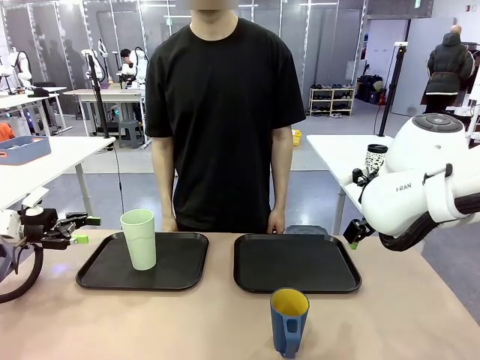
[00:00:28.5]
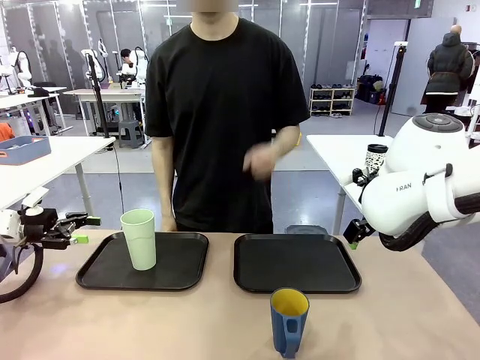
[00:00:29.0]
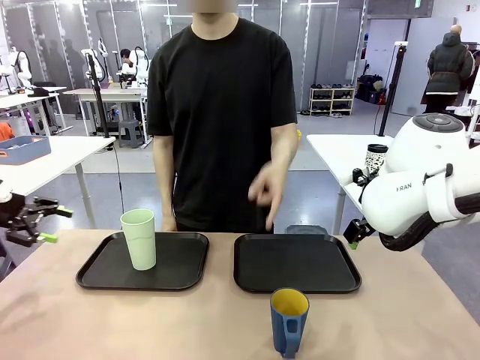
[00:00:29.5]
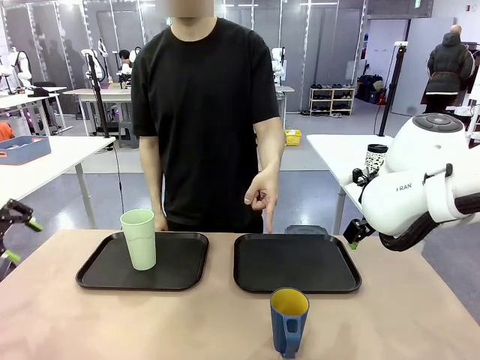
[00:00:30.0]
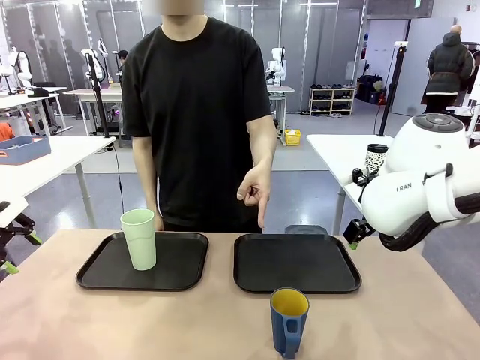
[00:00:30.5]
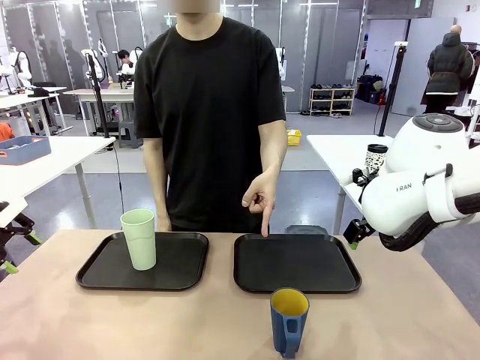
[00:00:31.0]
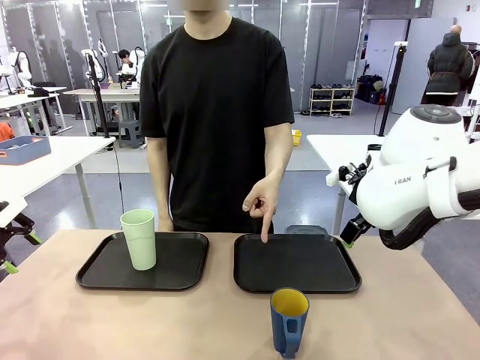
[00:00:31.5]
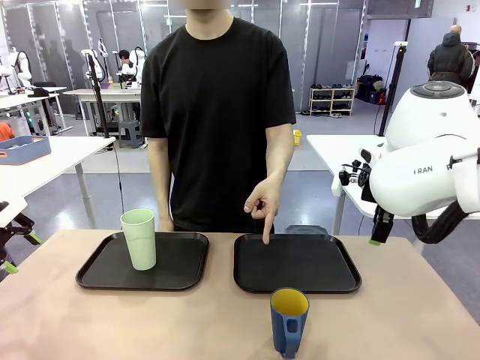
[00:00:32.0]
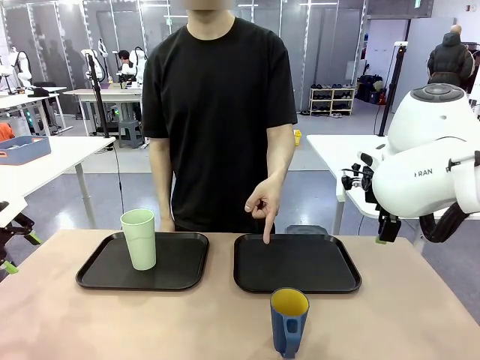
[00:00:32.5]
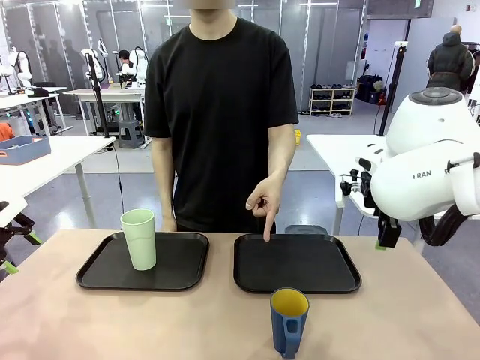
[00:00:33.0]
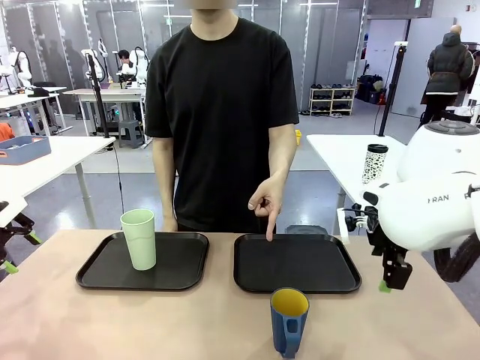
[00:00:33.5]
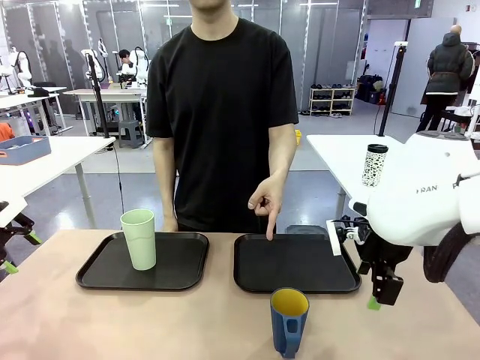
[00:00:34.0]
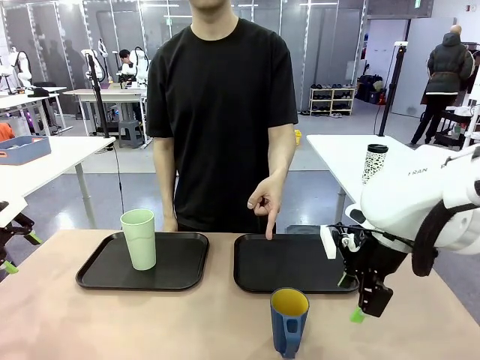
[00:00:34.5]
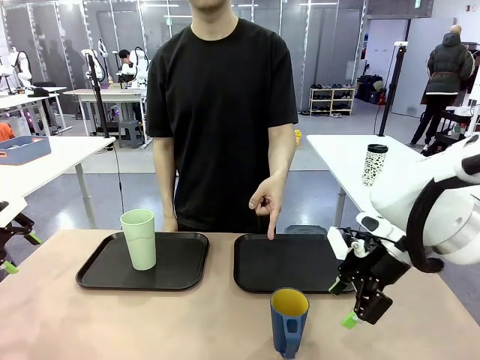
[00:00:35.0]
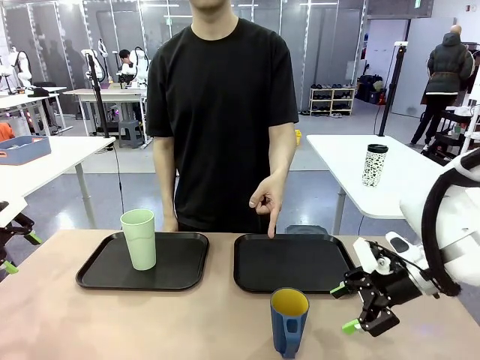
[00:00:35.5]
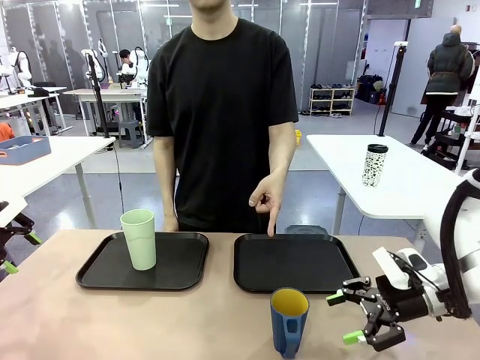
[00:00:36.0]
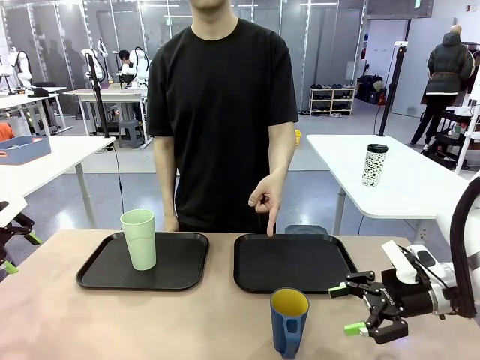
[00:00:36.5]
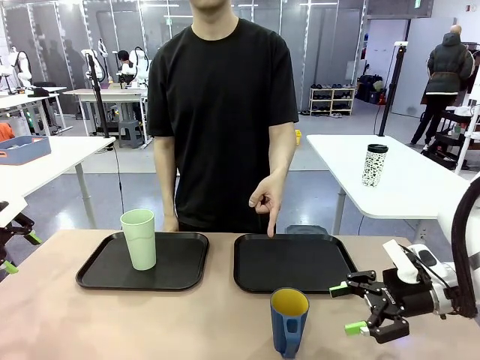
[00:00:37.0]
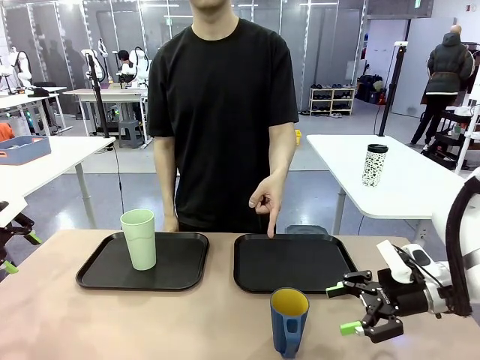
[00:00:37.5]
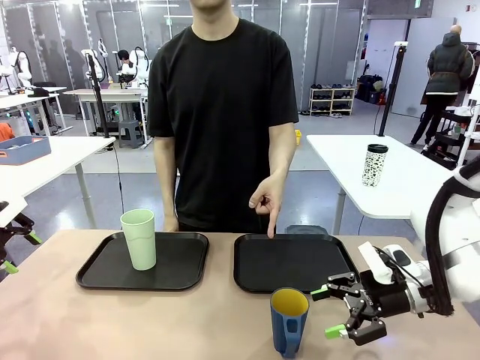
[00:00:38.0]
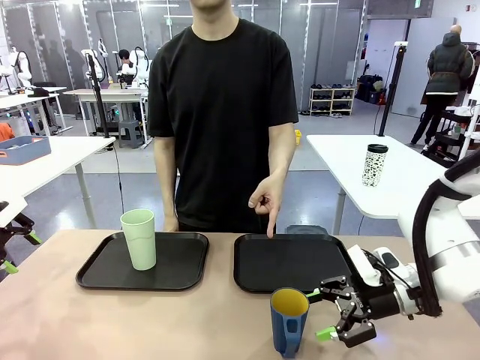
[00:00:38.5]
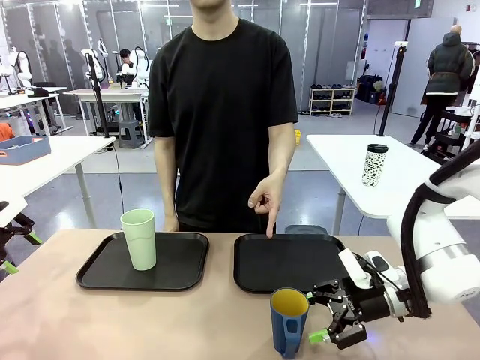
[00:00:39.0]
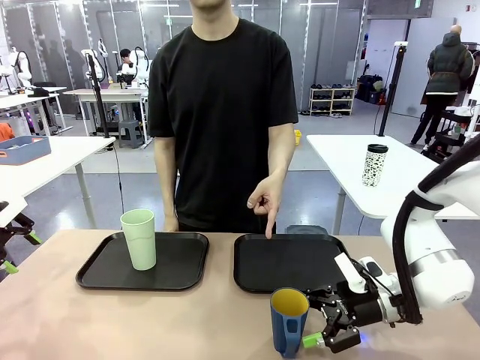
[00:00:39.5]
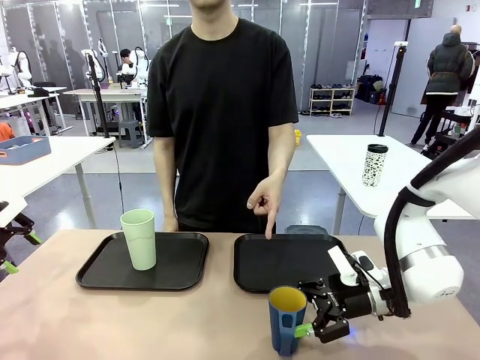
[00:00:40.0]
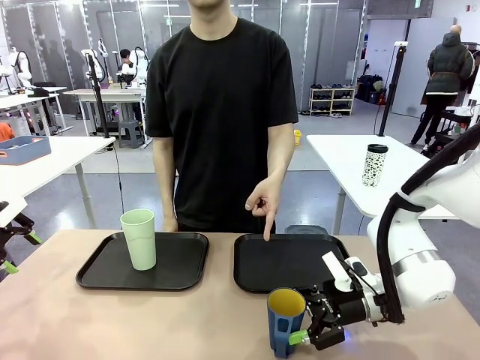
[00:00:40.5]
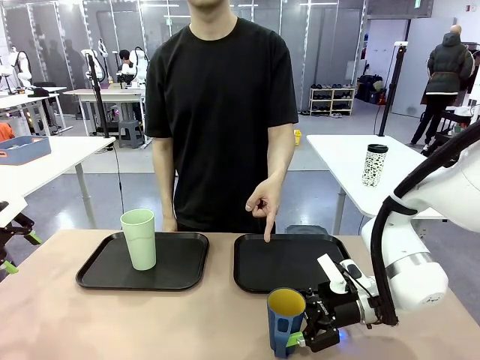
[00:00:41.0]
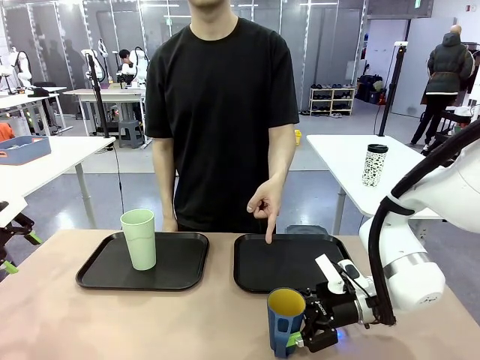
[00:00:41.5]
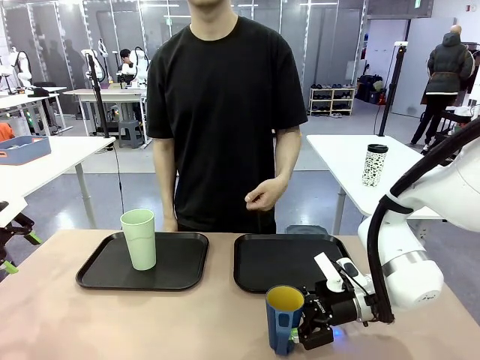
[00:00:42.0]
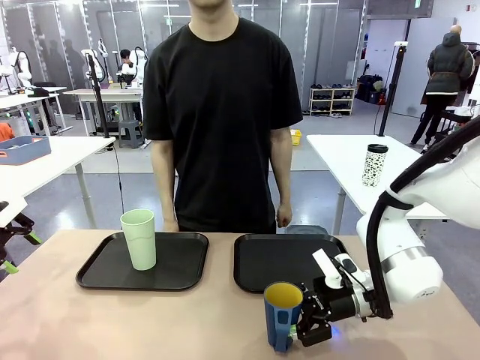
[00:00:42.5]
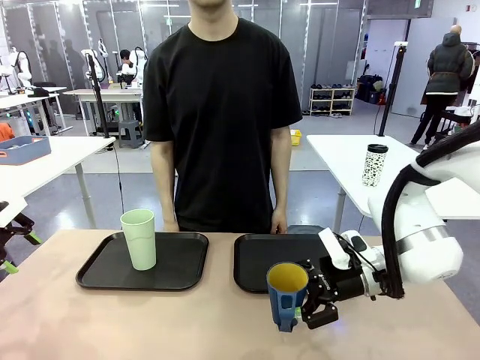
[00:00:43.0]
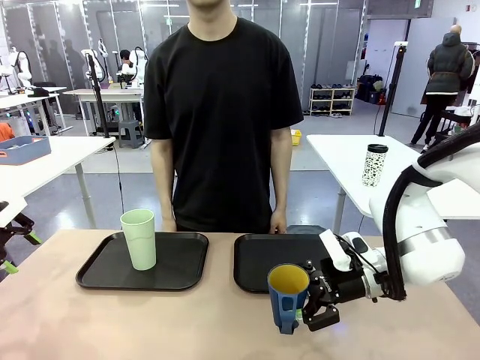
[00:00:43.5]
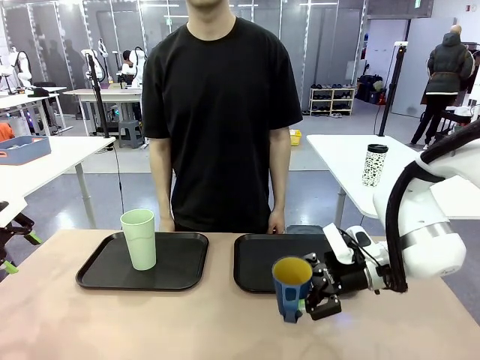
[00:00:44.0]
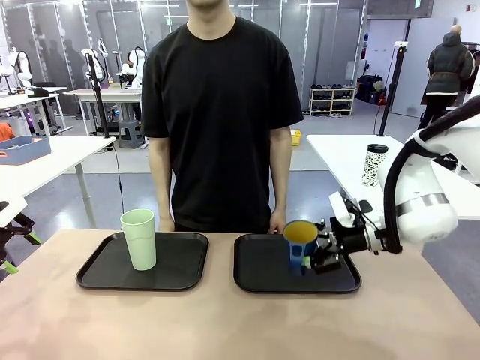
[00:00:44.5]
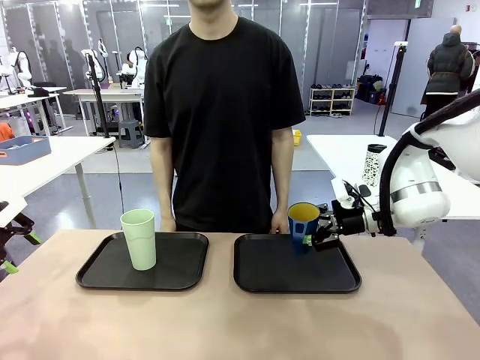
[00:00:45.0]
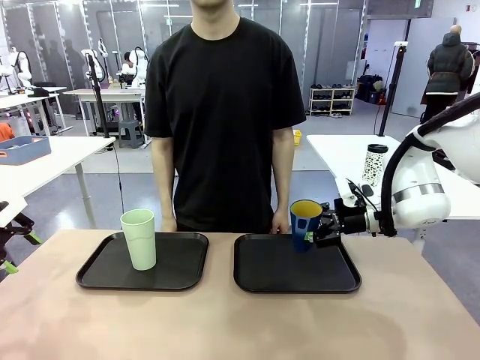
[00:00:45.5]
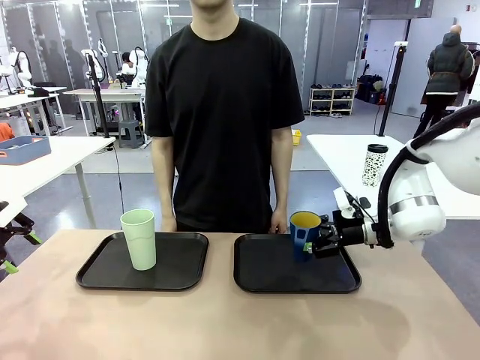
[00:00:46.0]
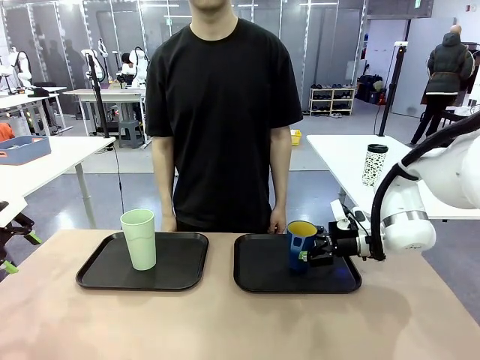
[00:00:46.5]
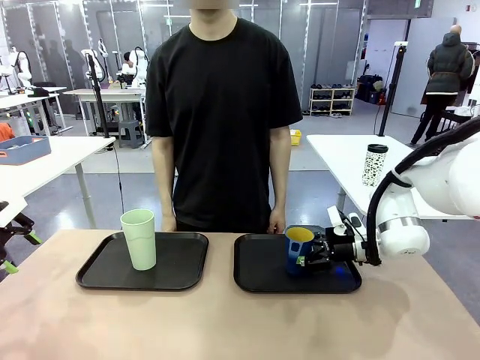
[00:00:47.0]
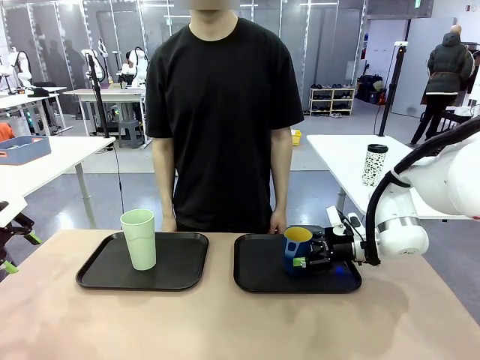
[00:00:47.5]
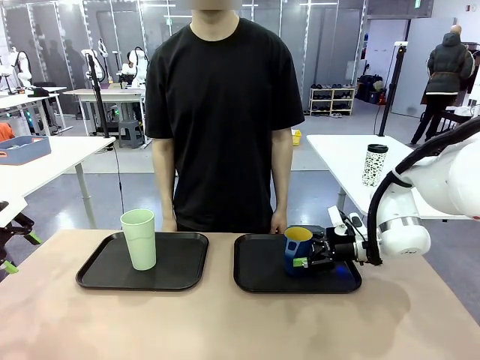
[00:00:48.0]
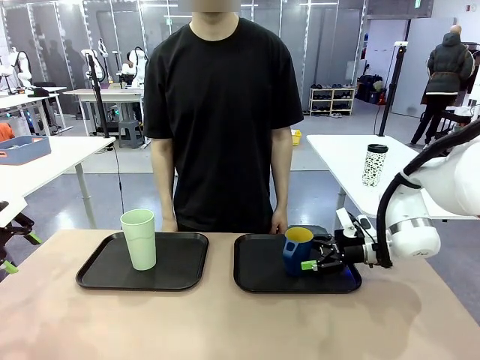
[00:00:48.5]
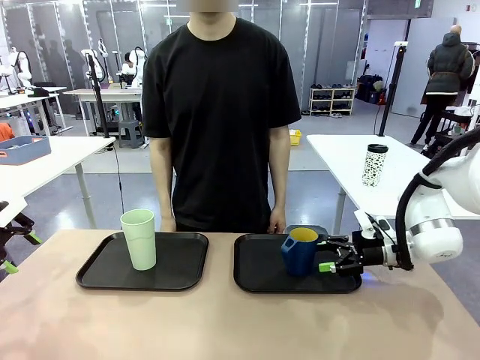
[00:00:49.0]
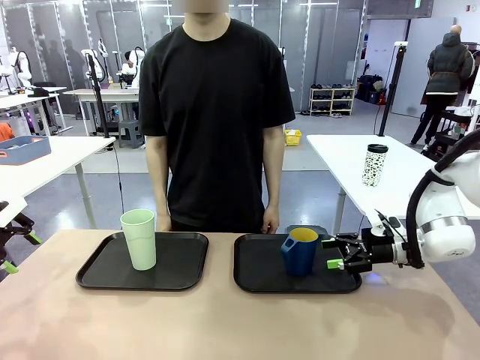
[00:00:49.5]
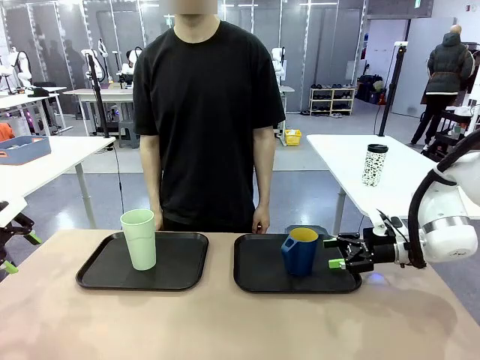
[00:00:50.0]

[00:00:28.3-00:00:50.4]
Task: Sort and store the cups by type.
Robot: Pick up the Handle plastic cup and place it into the empty Flat Tray.
Person: Points to the cup with a handle.

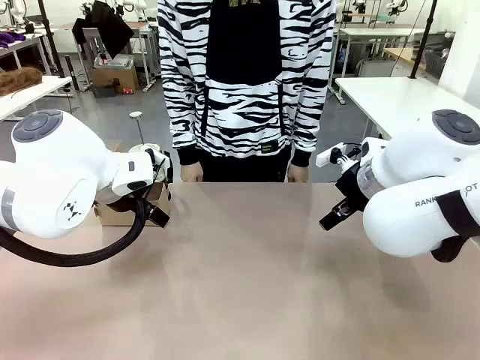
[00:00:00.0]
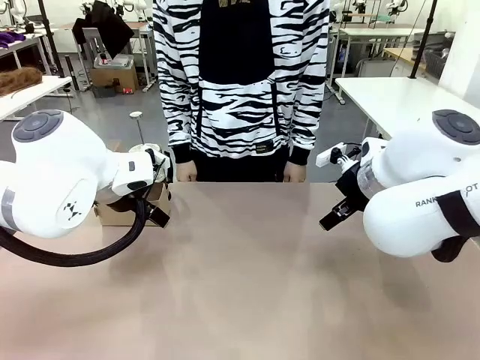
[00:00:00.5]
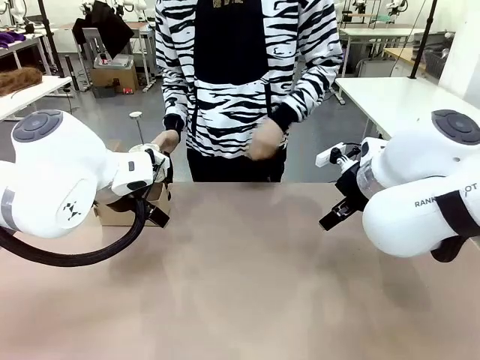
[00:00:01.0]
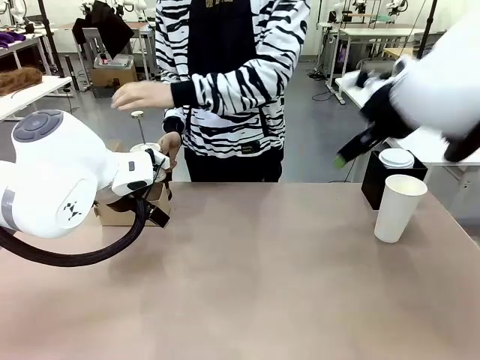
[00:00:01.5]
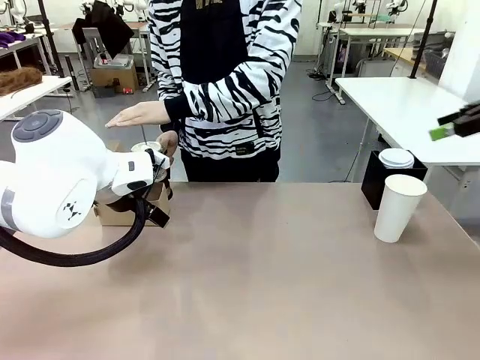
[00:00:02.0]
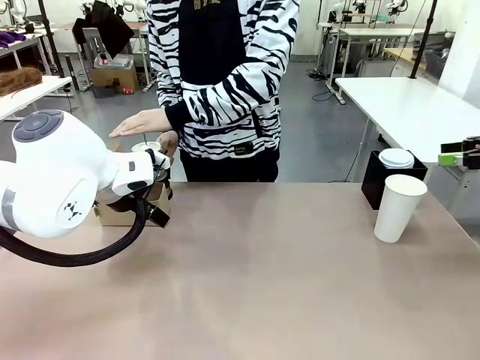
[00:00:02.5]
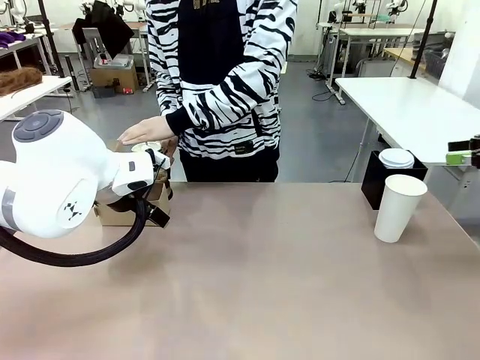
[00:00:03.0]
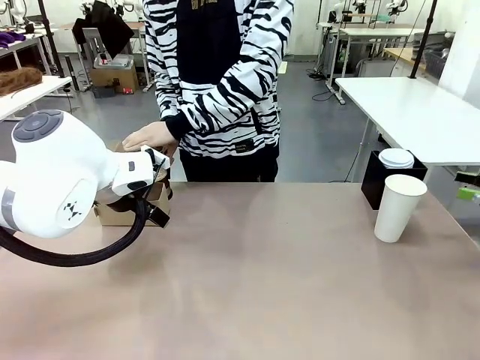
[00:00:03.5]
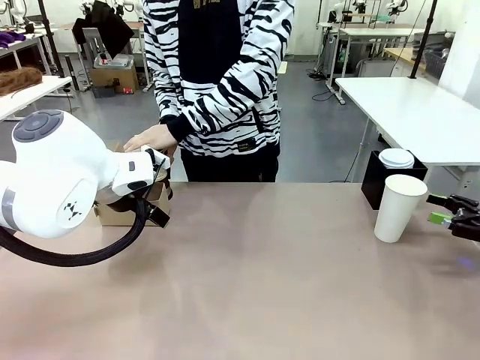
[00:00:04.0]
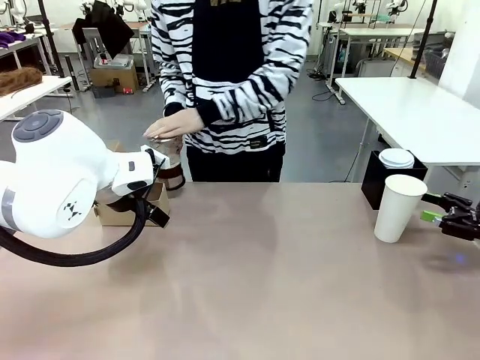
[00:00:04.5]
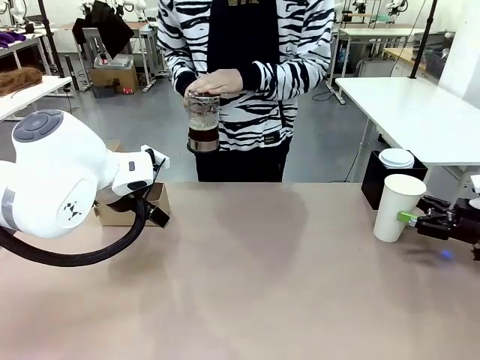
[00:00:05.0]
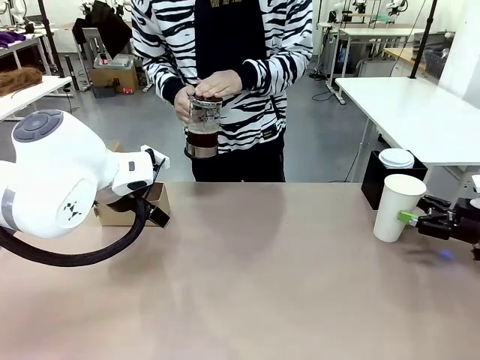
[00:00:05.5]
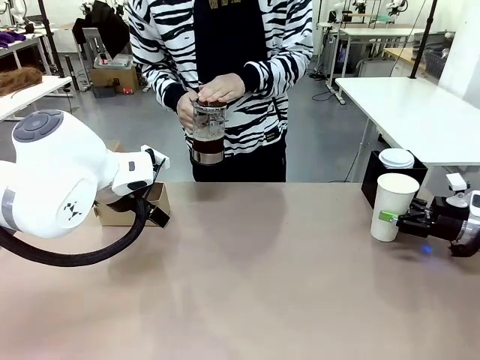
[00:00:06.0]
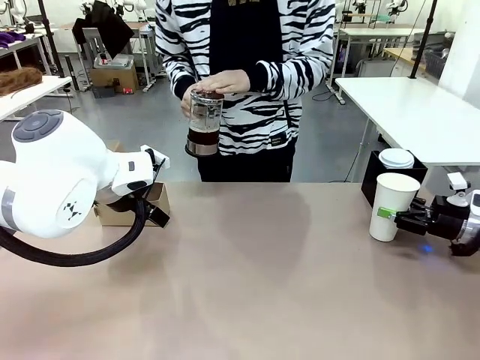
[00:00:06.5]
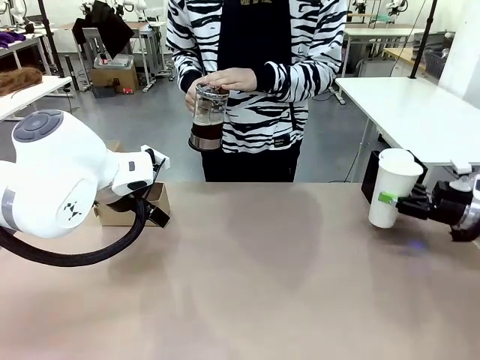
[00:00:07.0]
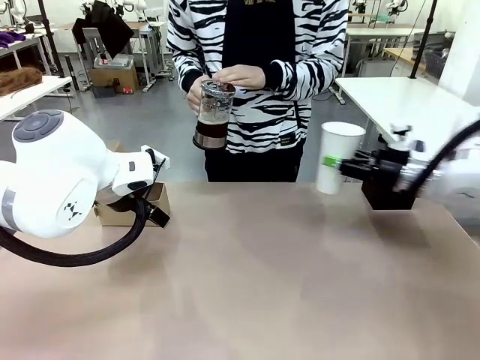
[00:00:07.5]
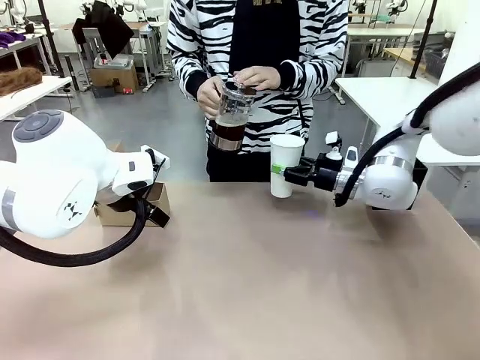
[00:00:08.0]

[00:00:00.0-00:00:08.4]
Task: Pour a drink into a cup and package it in a carrier.
Robot: Pick up the 600 ml Paper Cup and place it in the middle top area of the table.
Person: Press and pick up the Filter Brewing.
